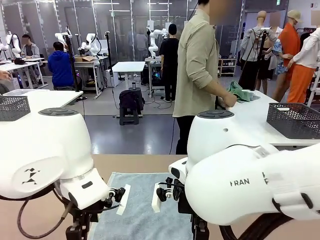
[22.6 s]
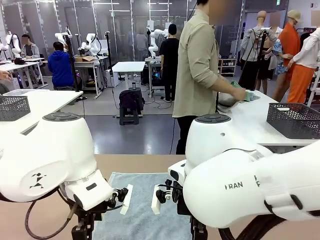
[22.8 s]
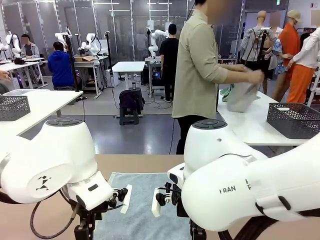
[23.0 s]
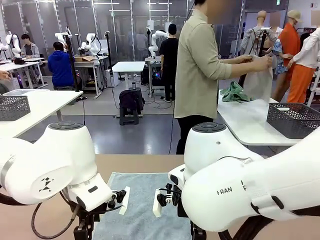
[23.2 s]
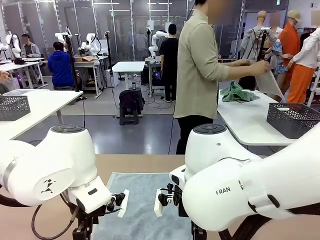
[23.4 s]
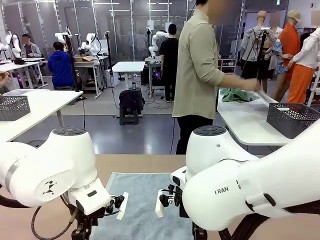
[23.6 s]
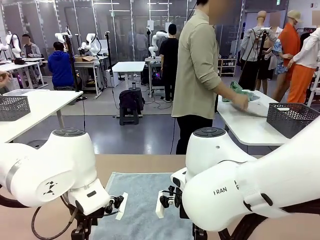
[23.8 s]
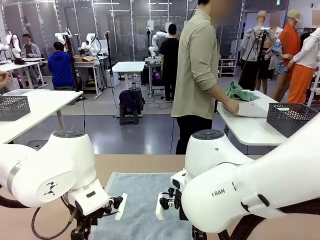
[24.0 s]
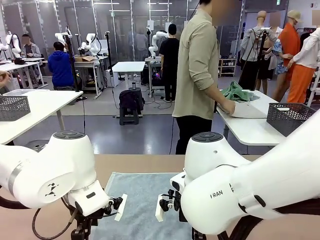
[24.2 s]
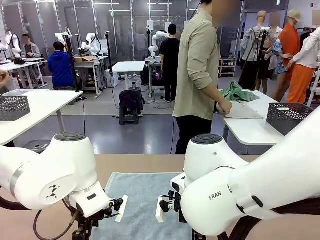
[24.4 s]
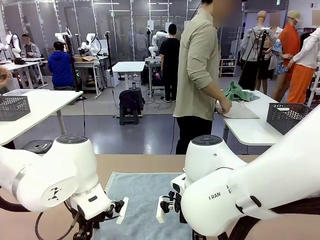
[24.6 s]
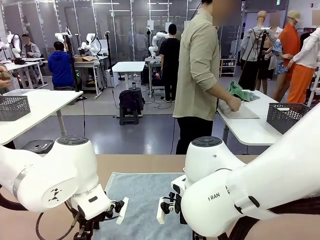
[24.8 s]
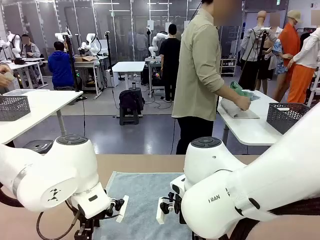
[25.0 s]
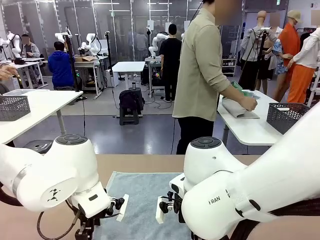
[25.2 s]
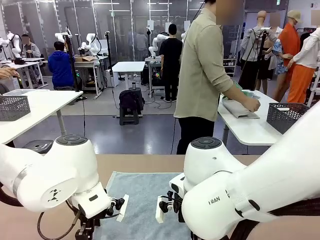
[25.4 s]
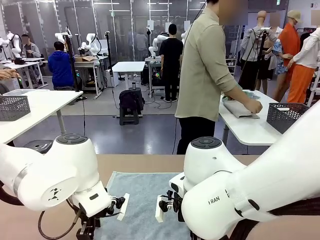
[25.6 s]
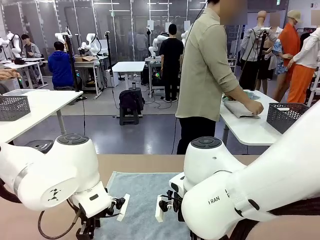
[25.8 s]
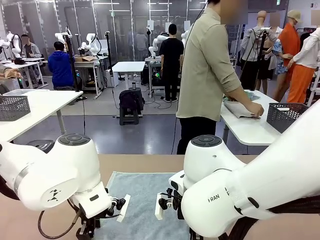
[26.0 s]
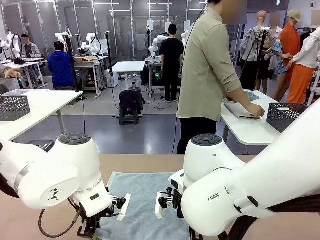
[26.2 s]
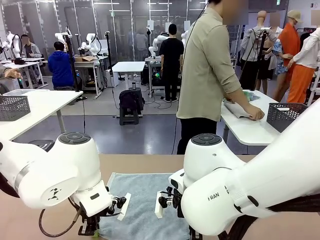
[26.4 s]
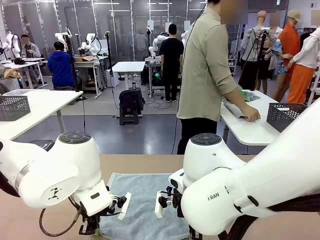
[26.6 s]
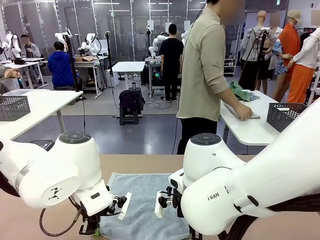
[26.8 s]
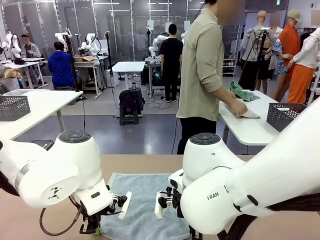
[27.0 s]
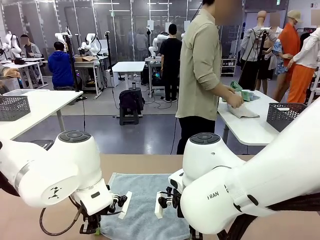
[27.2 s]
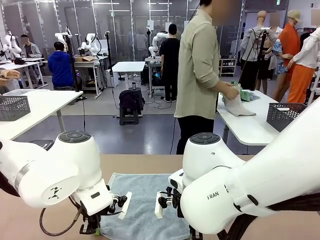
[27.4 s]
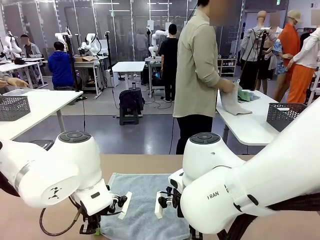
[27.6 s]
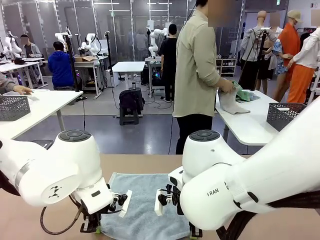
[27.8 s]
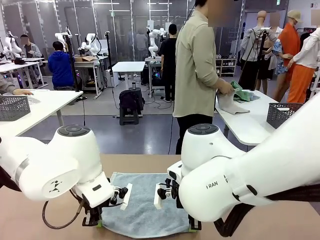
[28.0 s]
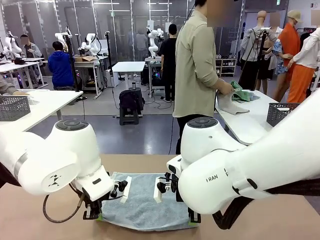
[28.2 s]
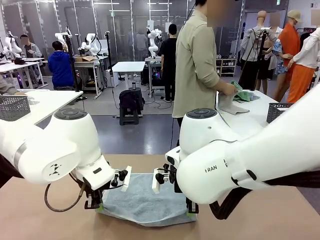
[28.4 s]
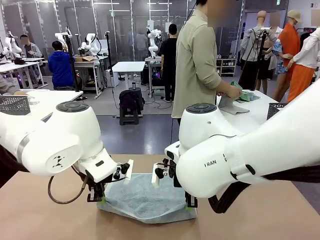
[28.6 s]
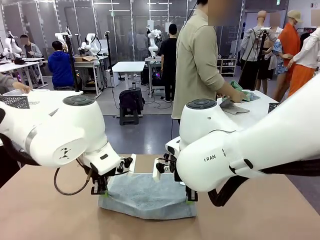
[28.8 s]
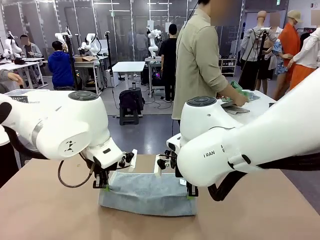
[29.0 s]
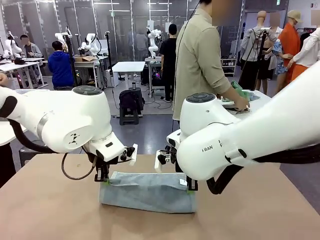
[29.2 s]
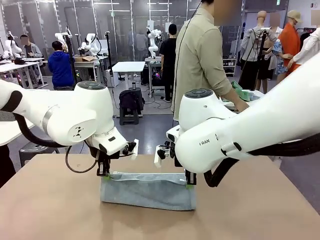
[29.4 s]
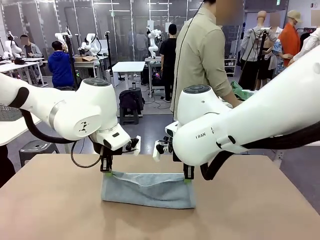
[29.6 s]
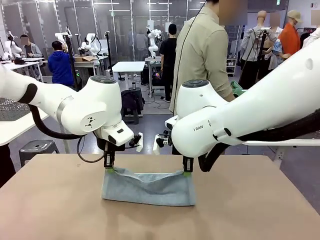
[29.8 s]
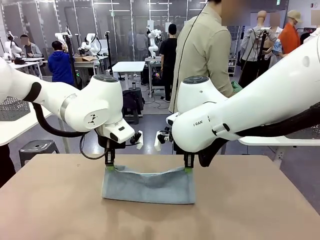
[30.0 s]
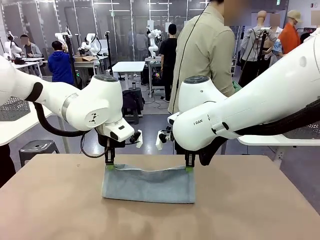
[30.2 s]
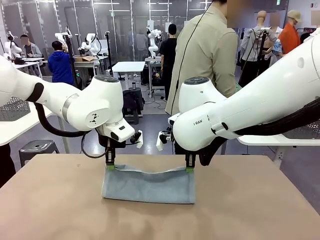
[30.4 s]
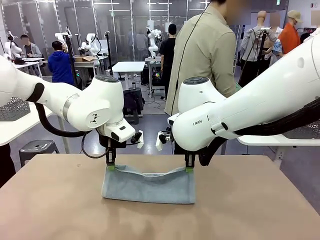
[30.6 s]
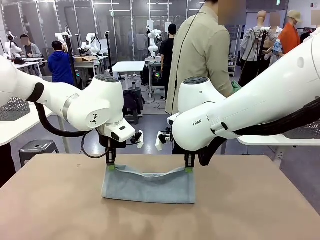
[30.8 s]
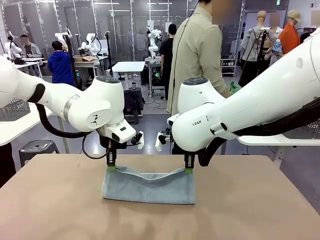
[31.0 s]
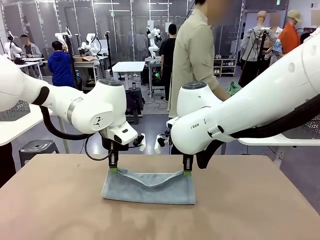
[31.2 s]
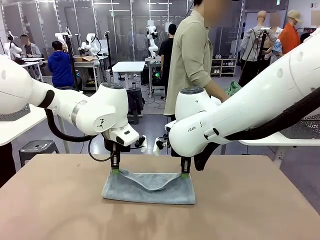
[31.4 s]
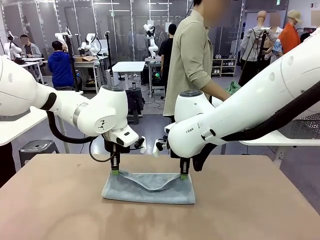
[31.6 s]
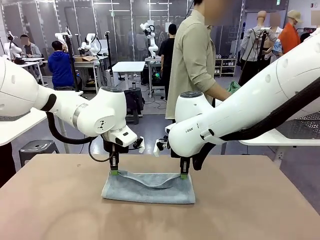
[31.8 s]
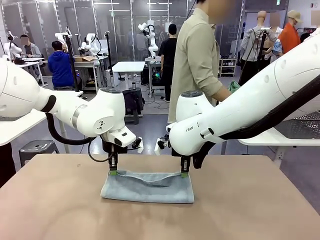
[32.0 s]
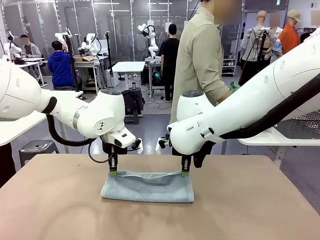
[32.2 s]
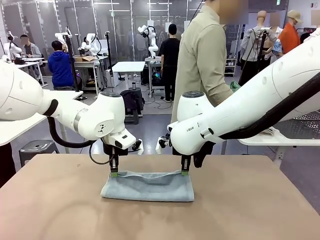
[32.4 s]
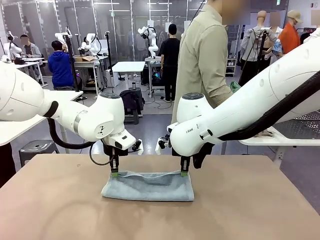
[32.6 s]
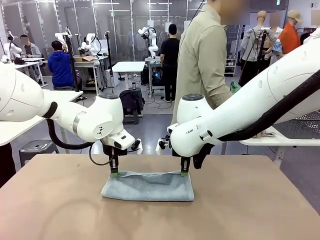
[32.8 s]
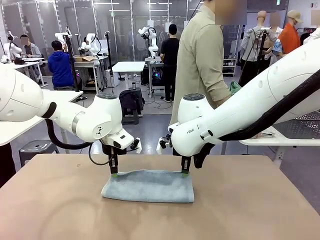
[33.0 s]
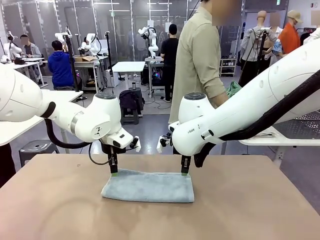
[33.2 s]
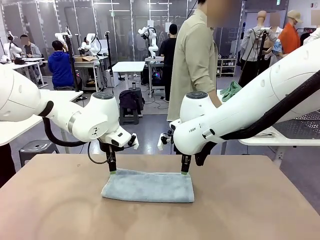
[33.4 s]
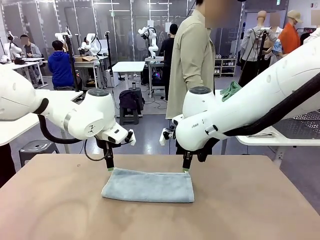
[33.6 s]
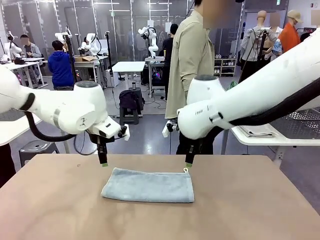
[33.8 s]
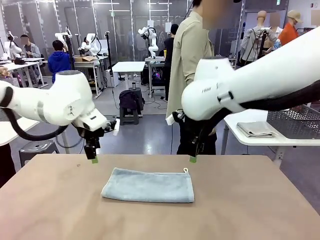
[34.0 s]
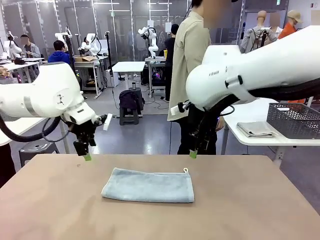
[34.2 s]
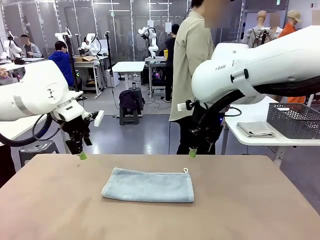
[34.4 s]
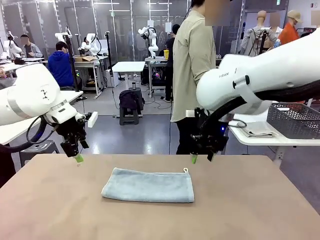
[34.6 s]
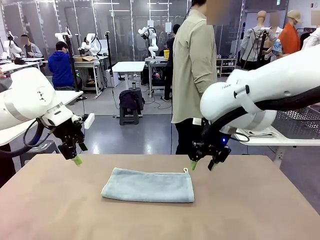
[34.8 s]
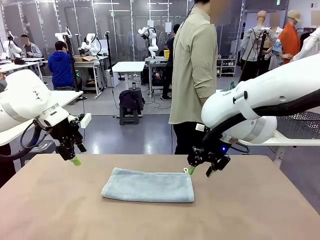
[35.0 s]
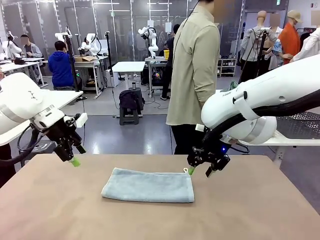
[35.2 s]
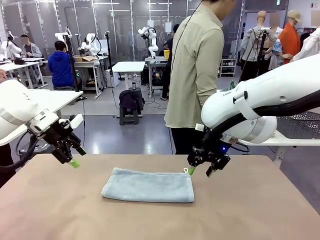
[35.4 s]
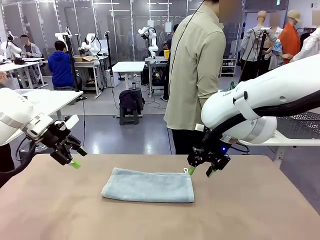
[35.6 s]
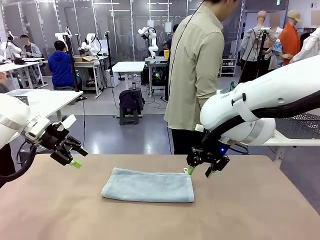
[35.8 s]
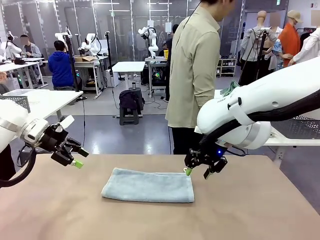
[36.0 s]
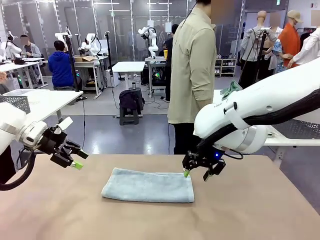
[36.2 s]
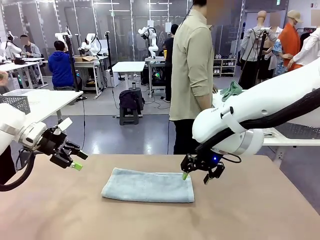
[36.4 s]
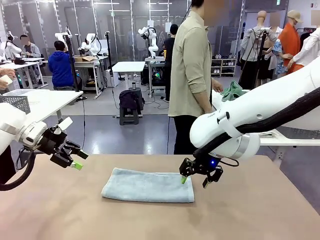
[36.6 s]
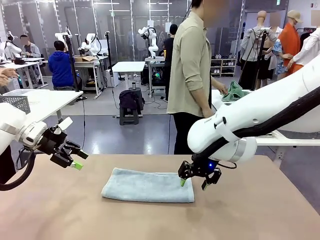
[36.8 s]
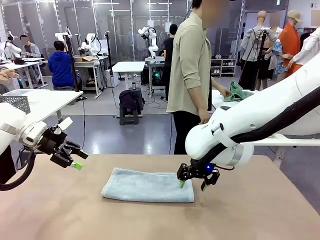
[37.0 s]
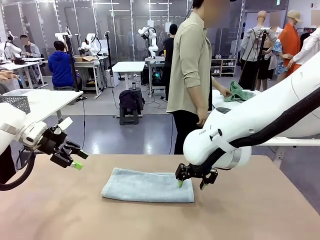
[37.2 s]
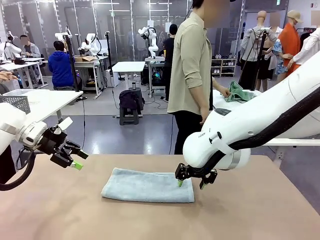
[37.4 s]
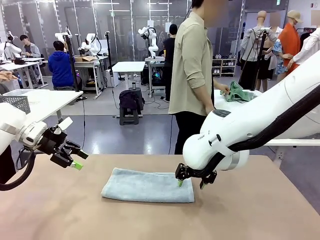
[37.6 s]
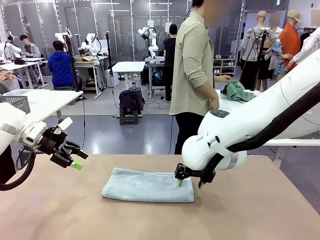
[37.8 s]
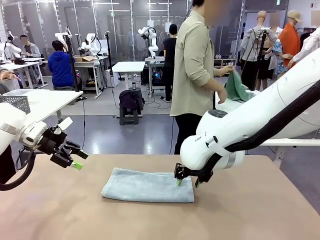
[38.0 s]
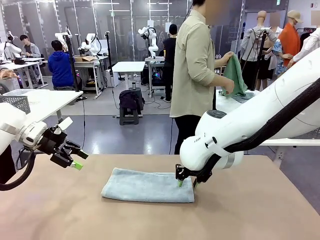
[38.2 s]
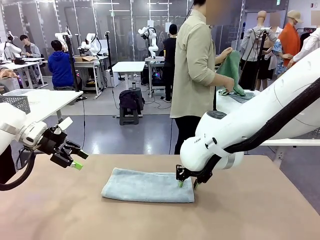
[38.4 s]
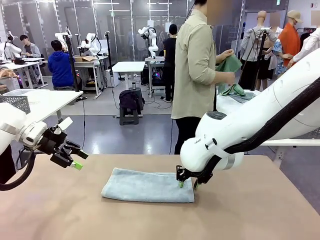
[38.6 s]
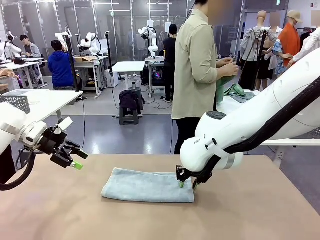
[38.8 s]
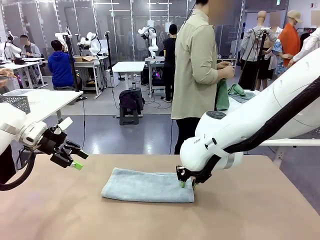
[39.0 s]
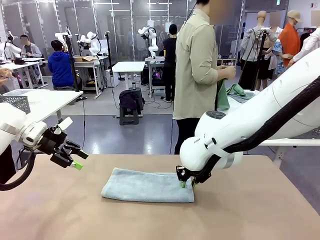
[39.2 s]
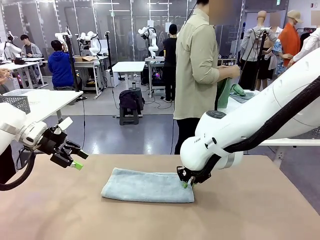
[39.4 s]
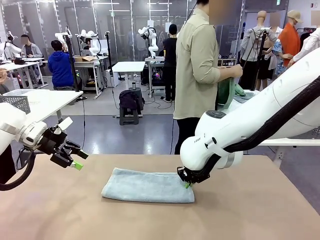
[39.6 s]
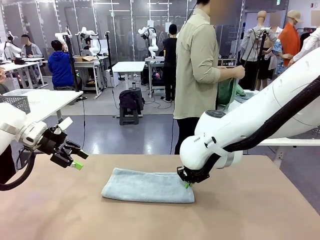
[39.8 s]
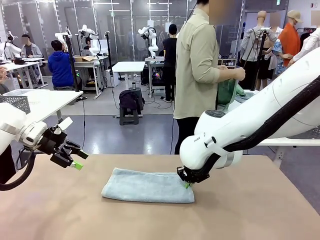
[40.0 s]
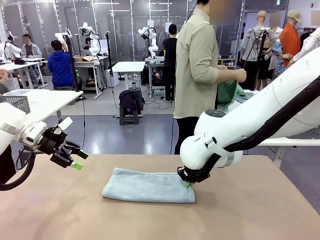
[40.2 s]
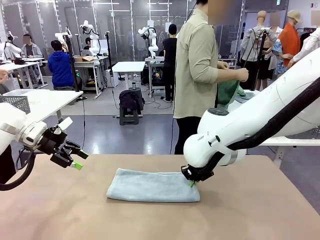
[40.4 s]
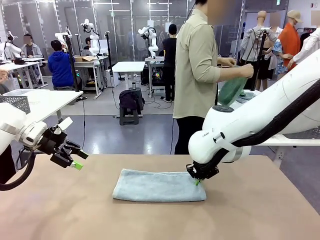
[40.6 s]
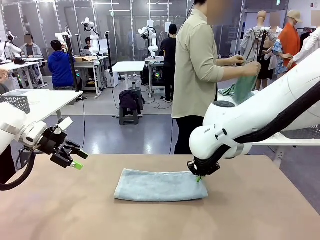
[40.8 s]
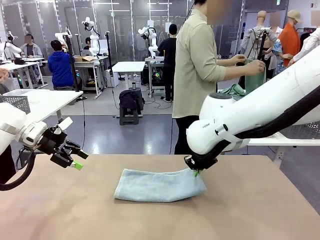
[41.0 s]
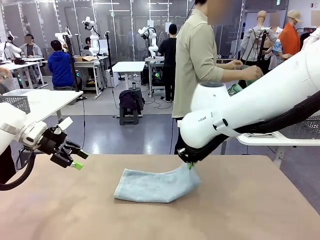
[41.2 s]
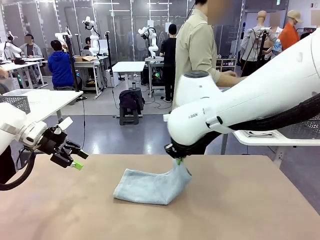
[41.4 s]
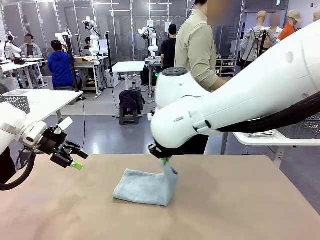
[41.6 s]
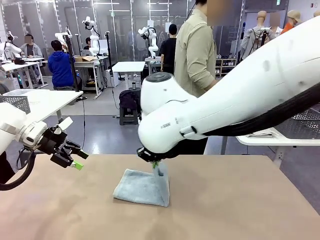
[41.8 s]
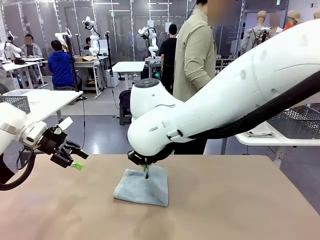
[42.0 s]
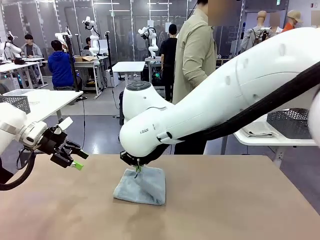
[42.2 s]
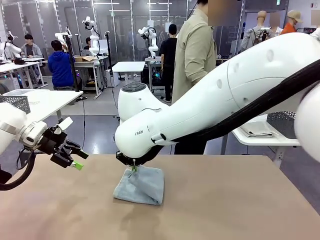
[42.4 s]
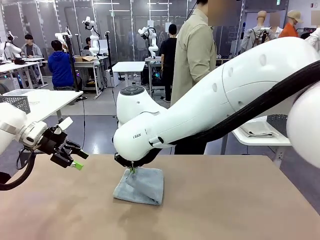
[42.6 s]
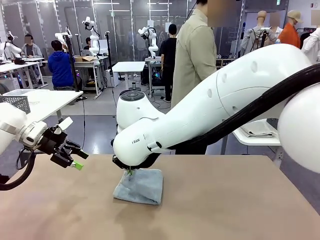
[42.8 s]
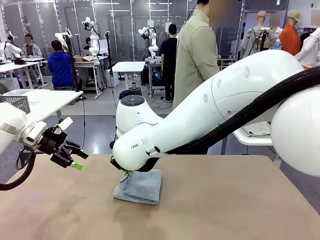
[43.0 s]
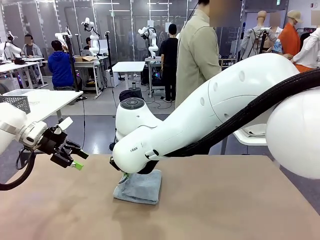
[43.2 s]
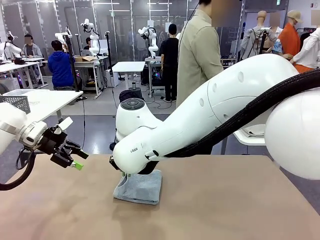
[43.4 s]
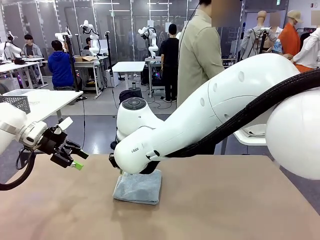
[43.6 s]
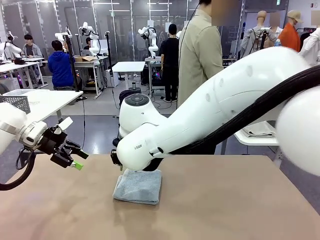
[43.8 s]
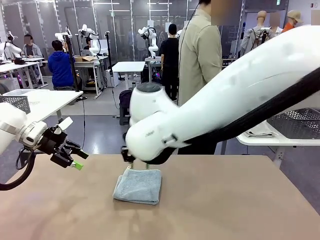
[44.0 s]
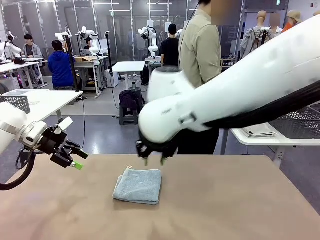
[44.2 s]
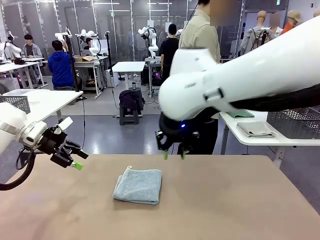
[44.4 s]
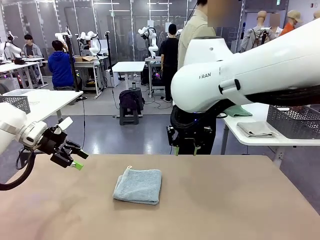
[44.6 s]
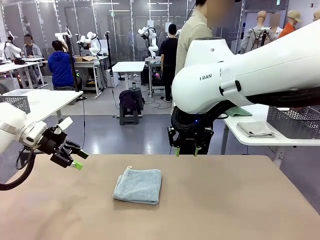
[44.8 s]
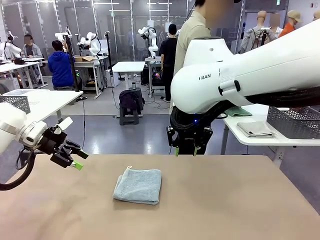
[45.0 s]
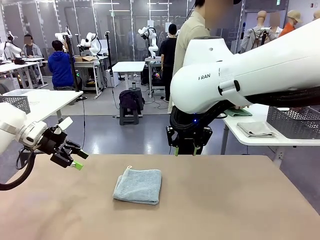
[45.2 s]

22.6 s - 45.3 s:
Task: Fold the towels and place them in the basket.
Robot: When a person lays out a Towel with hook on the table, fold it in half twice.
Person: Pick up one towel from the left side of the human table, fold it in half twice, and place it on the right side of the table. Pick up one towel from the left side of the human table, fold it in half twice, and stack it on the right side of the table.
